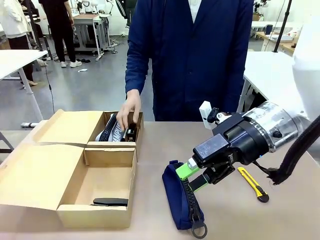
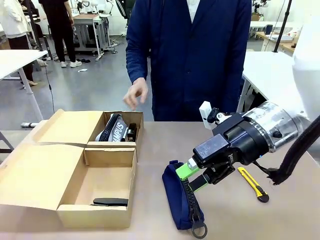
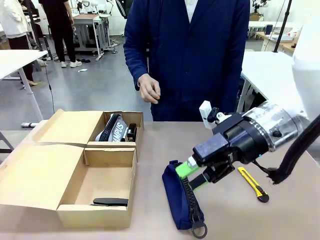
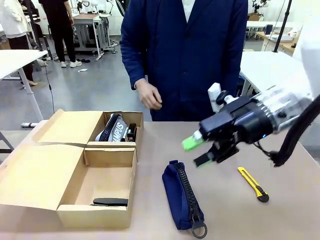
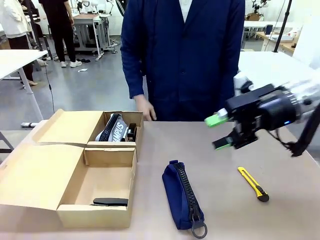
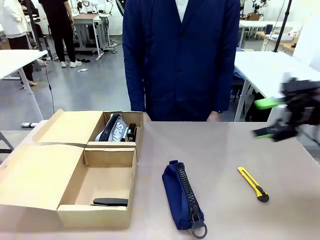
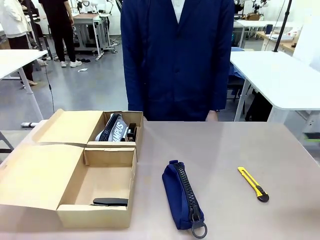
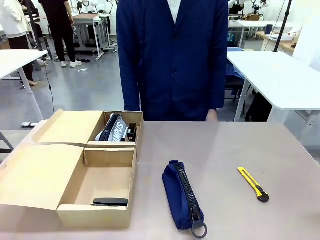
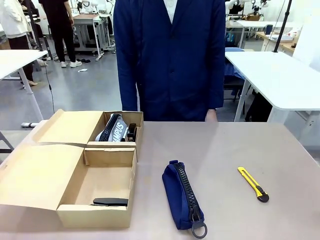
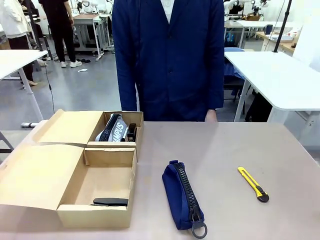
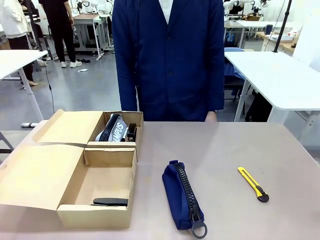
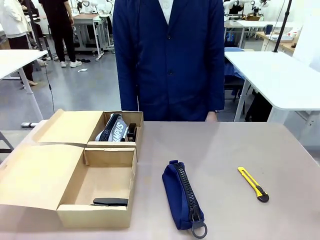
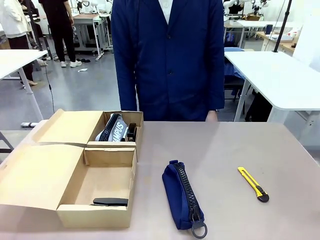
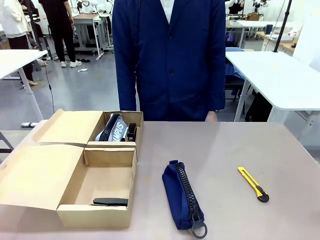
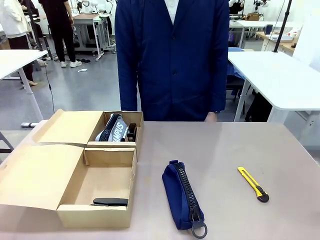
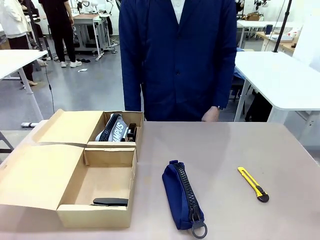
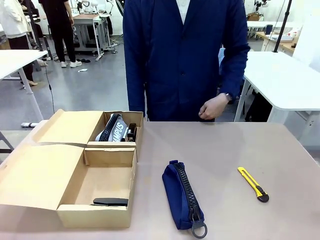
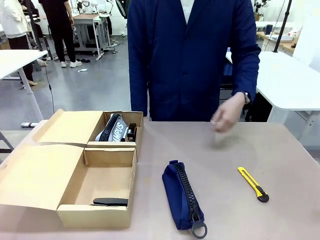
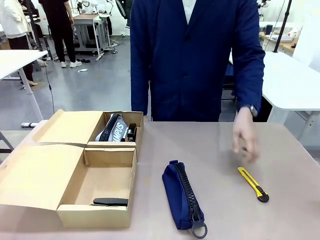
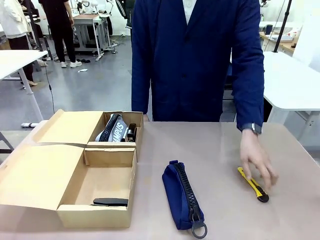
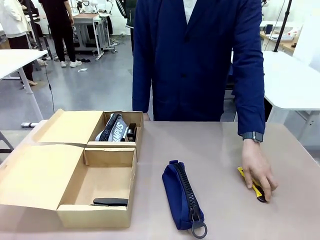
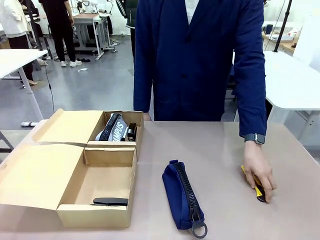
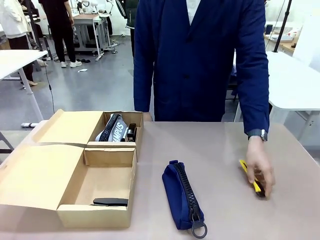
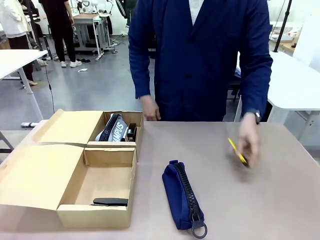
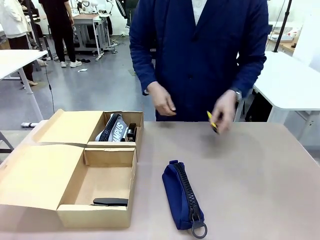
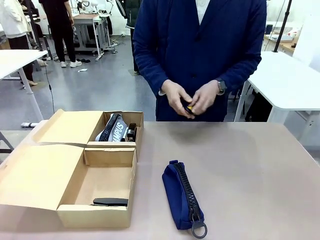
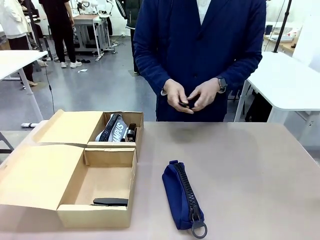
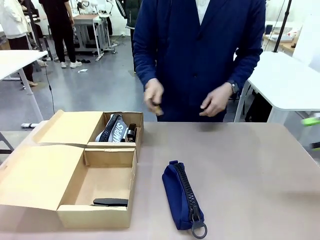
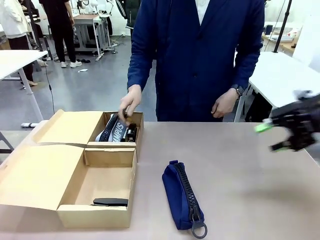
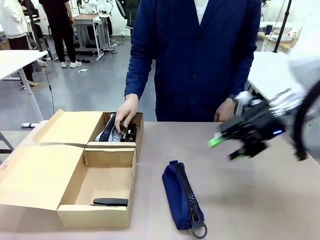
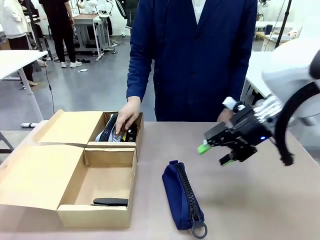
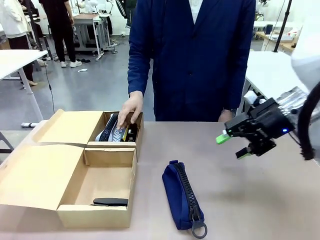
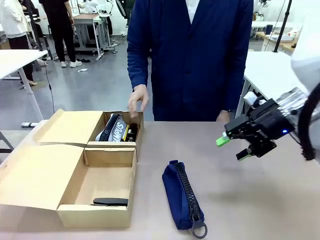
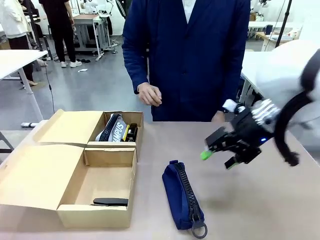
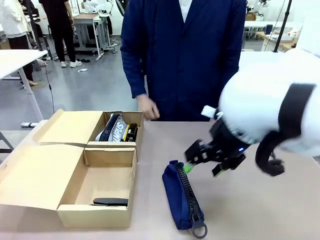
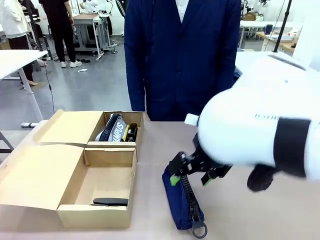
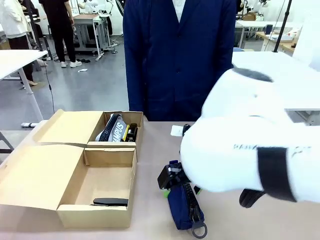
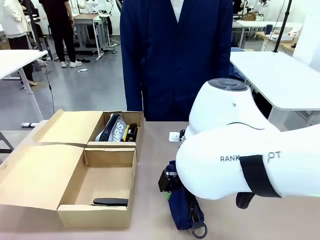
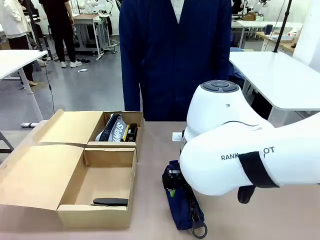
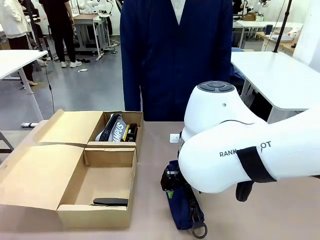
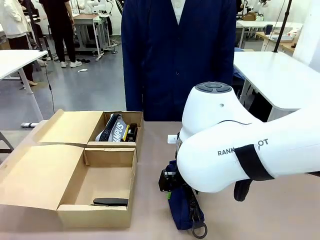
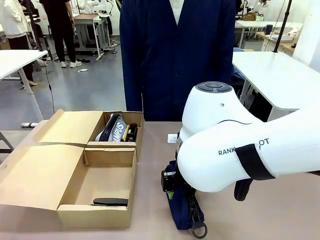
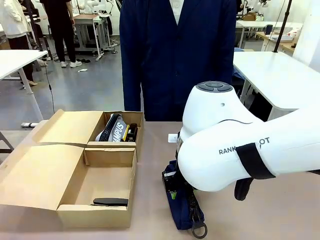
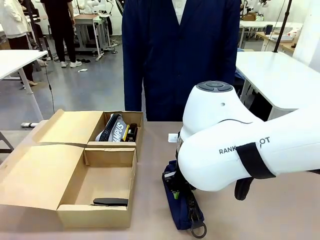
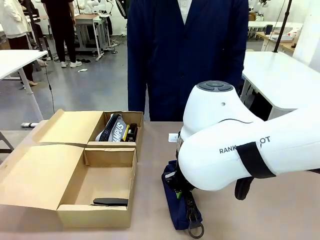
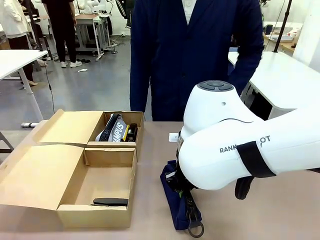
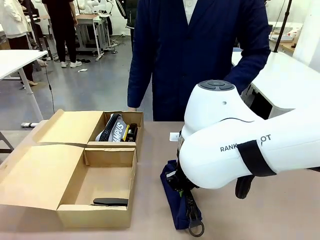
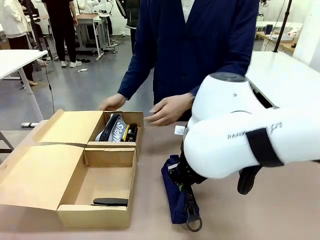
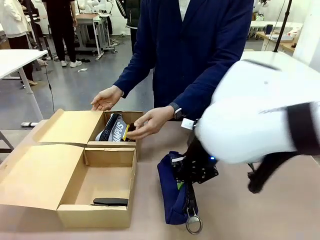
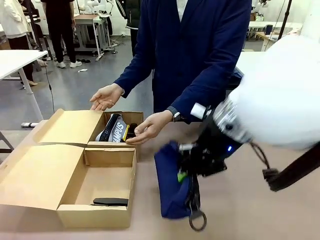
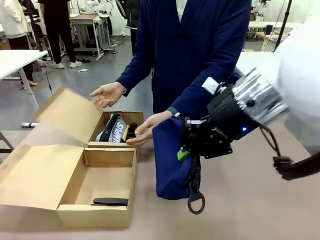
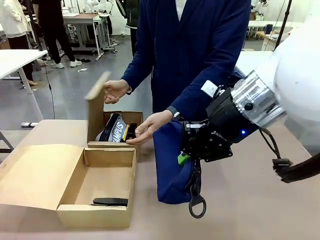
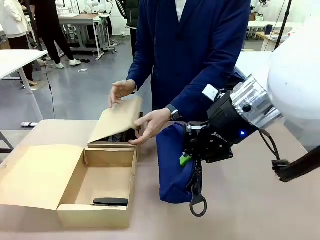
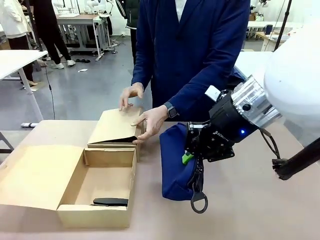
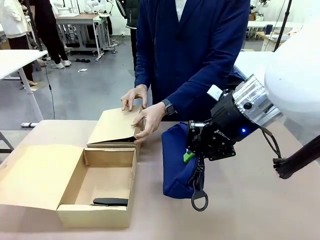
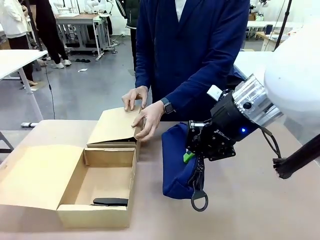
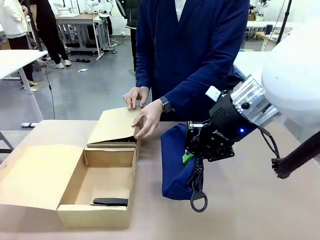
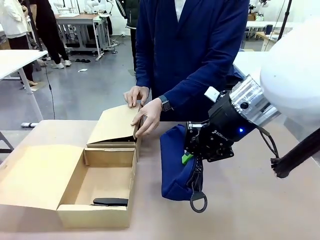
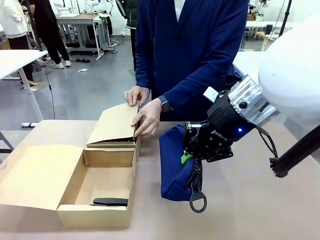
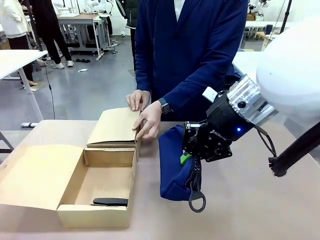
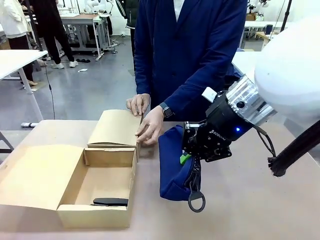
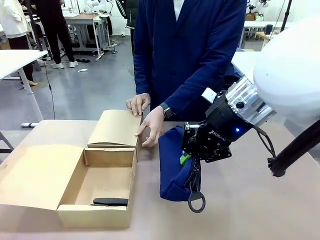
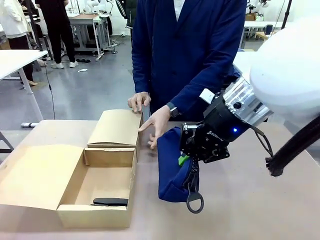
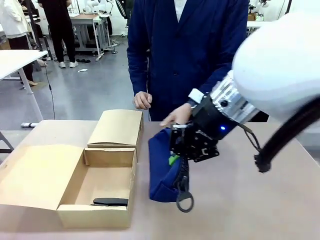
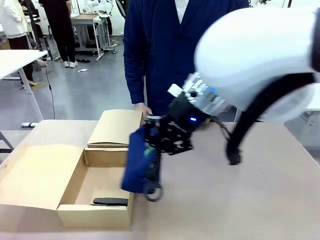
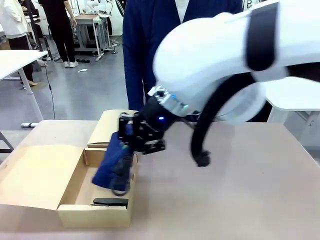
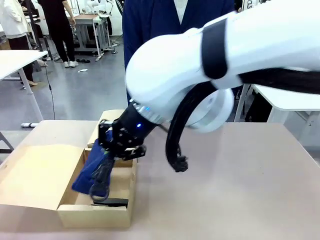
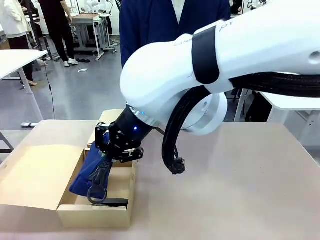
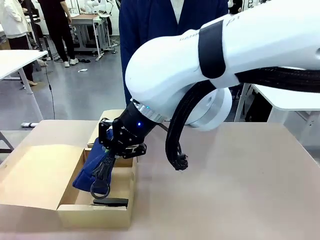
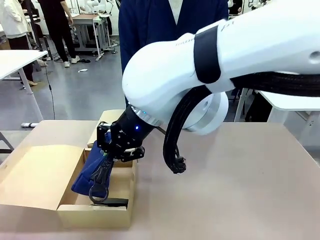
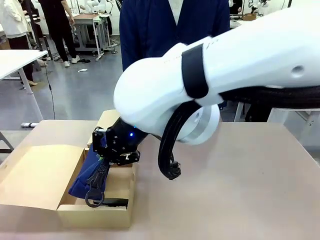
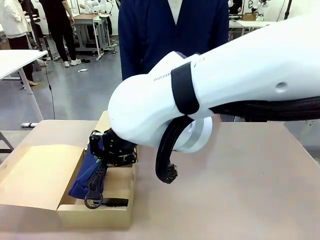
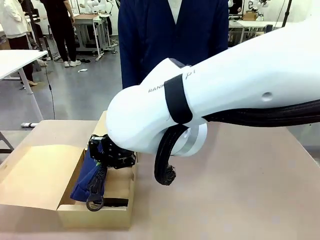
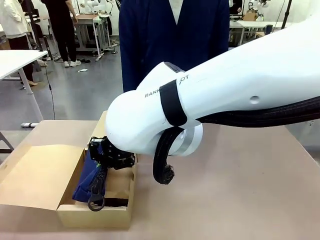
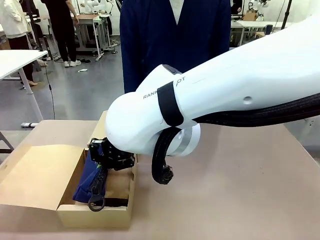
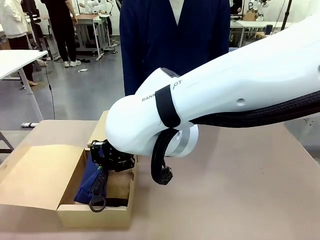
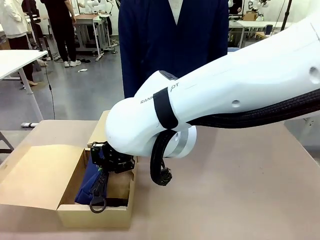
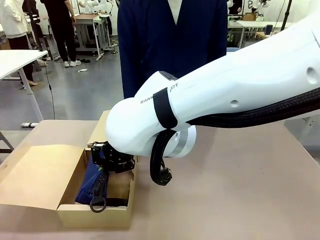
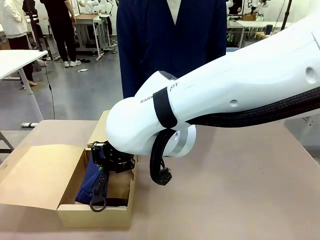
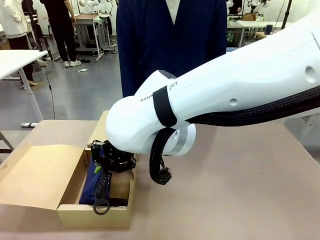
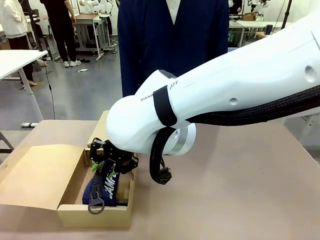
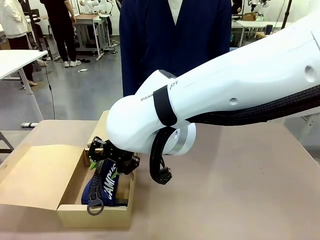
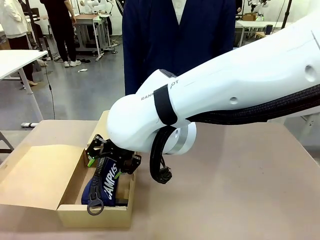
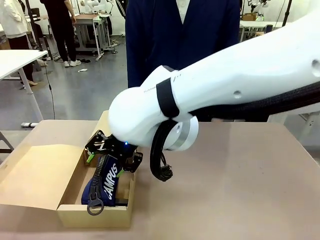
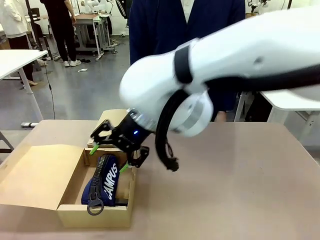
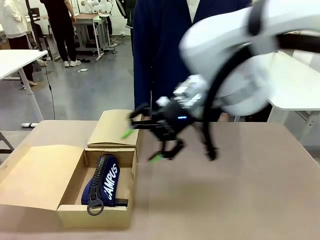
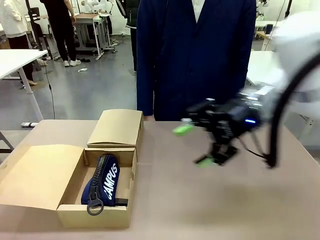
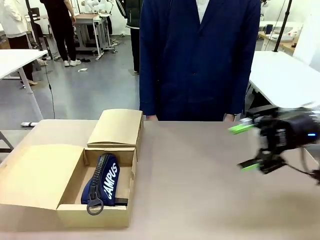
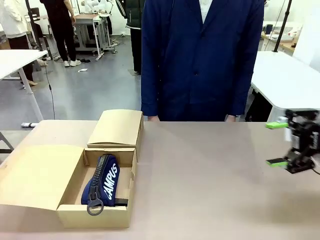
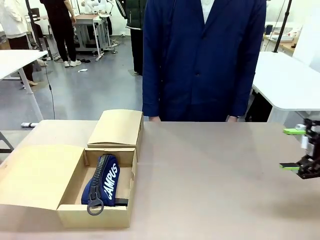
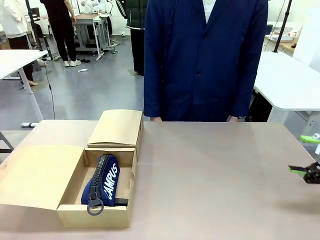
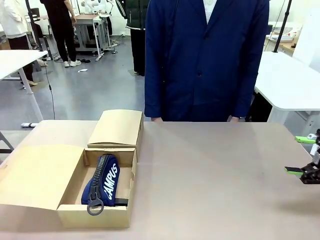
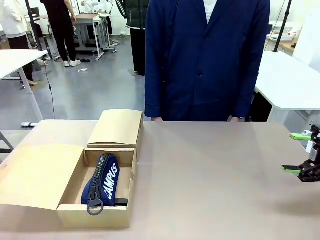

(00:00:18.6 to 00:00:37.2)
Task: Place items inside the box.
Robot: Pick up a Pencil pouch or Stapler and place it inside the Mailer Box closest to the robot.
Person: Close the lid of the box facing the person.
